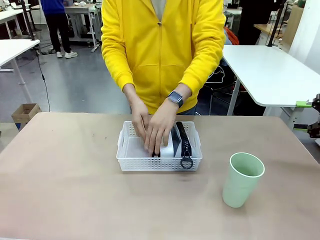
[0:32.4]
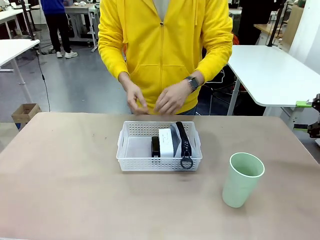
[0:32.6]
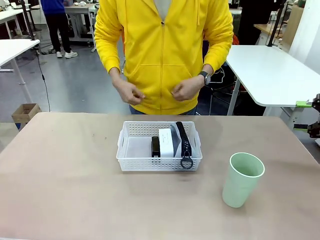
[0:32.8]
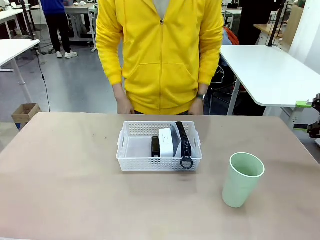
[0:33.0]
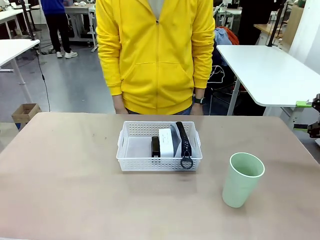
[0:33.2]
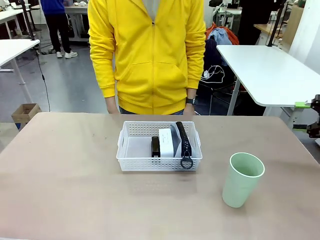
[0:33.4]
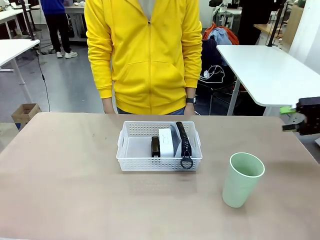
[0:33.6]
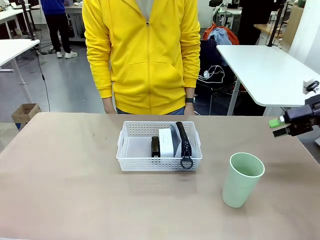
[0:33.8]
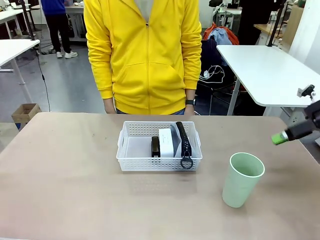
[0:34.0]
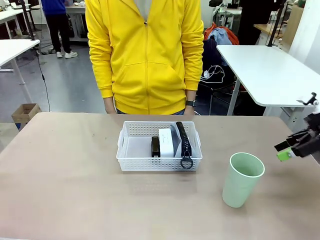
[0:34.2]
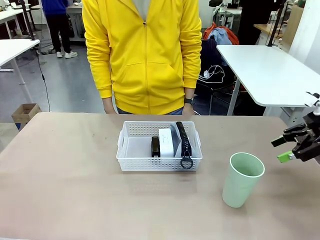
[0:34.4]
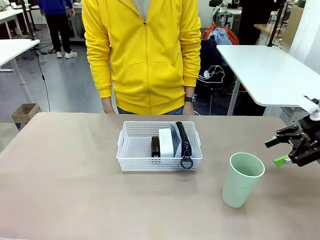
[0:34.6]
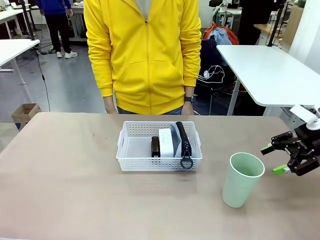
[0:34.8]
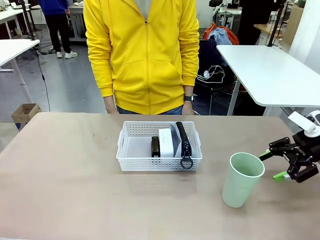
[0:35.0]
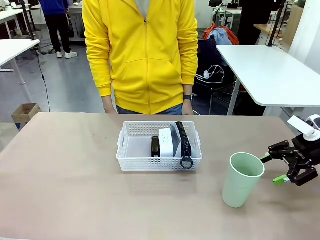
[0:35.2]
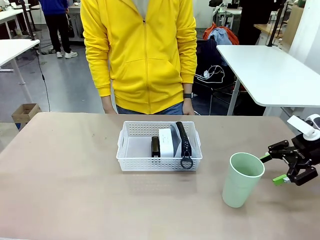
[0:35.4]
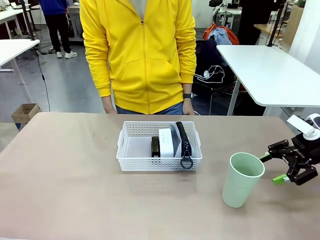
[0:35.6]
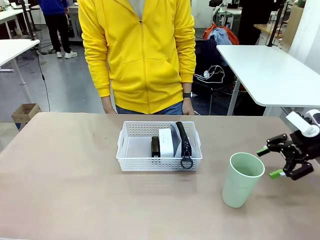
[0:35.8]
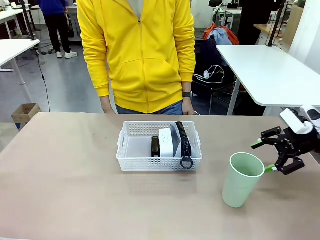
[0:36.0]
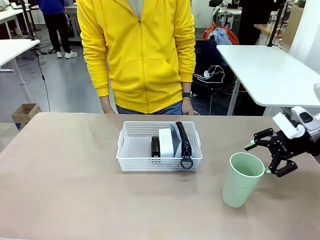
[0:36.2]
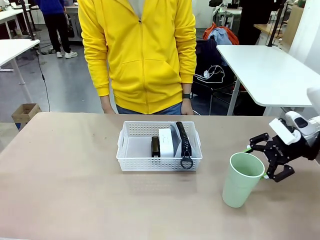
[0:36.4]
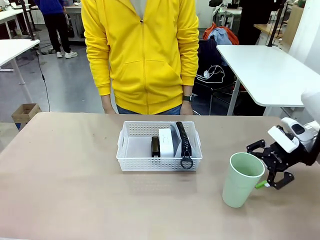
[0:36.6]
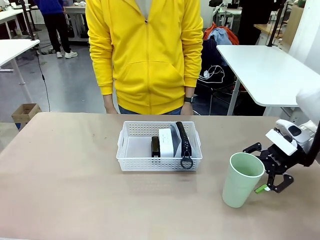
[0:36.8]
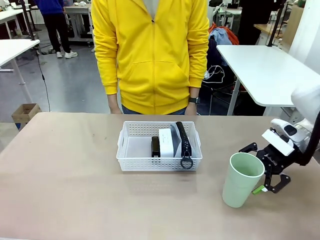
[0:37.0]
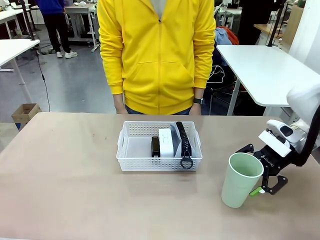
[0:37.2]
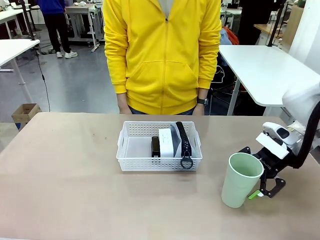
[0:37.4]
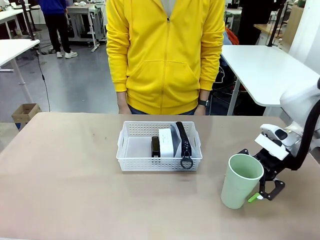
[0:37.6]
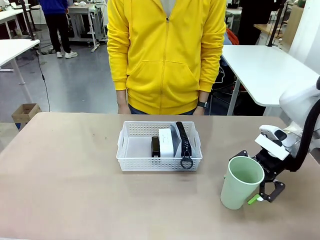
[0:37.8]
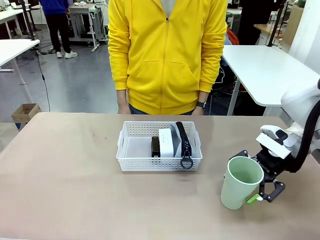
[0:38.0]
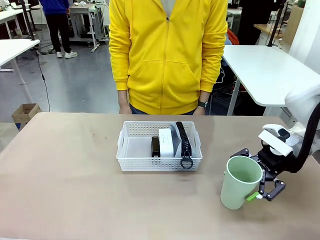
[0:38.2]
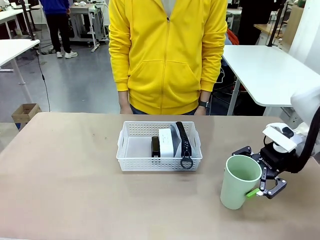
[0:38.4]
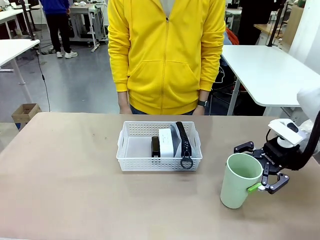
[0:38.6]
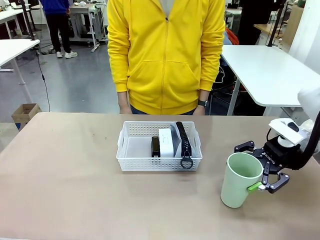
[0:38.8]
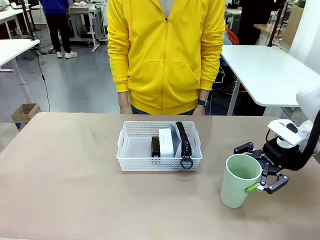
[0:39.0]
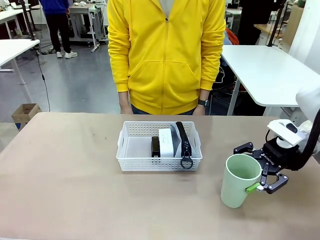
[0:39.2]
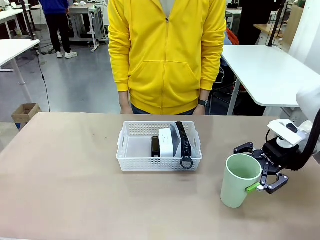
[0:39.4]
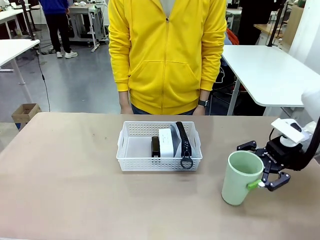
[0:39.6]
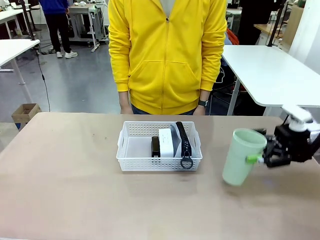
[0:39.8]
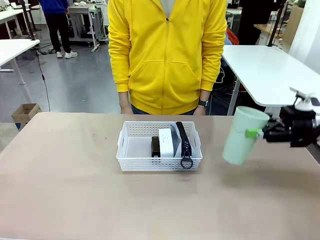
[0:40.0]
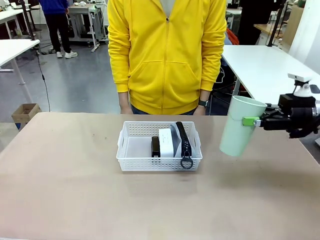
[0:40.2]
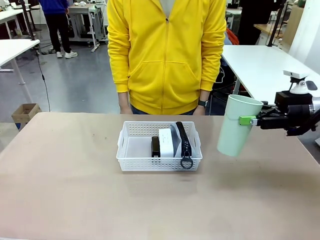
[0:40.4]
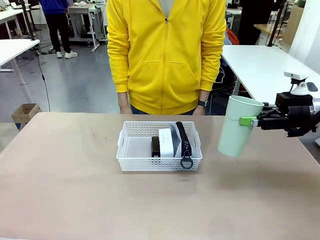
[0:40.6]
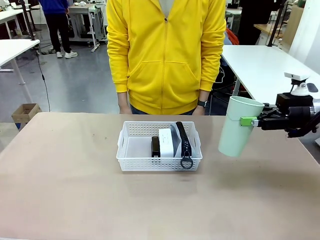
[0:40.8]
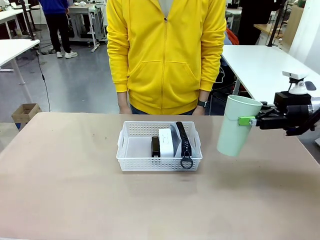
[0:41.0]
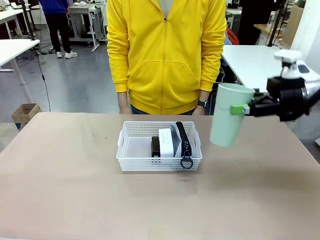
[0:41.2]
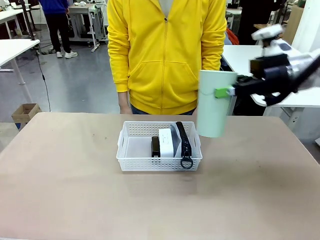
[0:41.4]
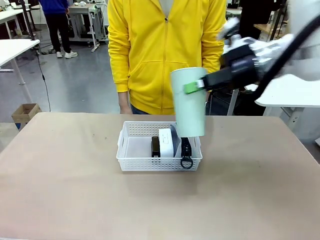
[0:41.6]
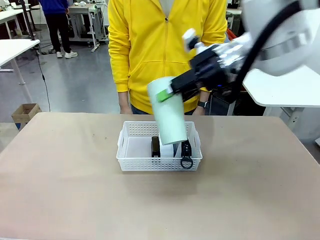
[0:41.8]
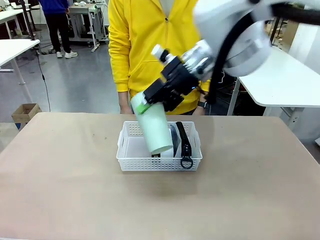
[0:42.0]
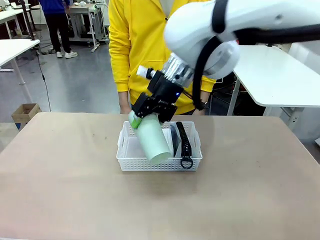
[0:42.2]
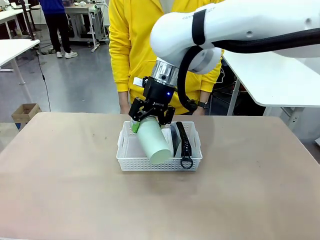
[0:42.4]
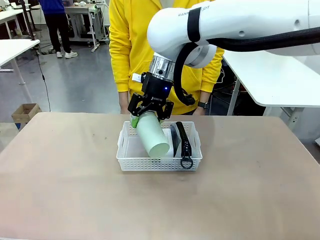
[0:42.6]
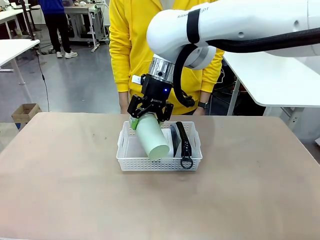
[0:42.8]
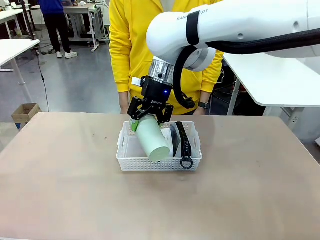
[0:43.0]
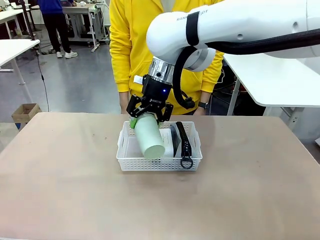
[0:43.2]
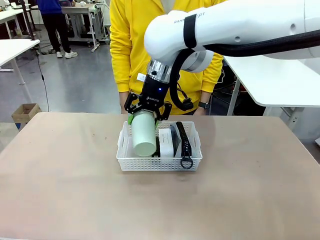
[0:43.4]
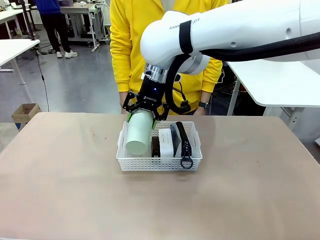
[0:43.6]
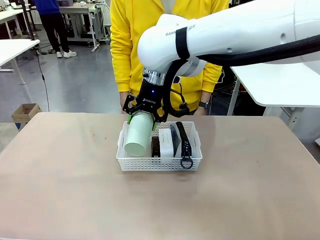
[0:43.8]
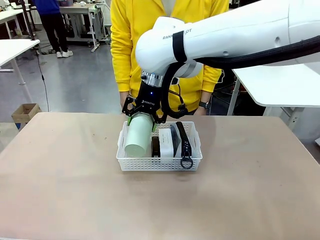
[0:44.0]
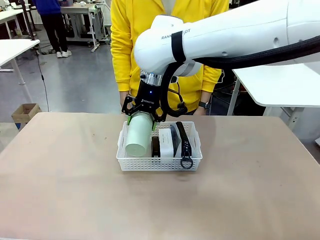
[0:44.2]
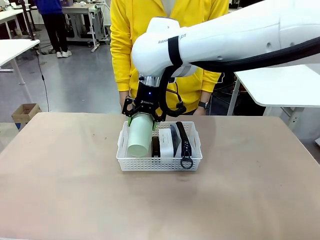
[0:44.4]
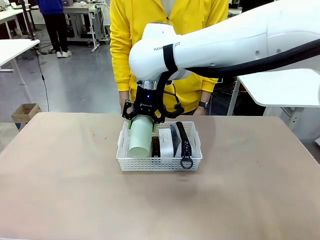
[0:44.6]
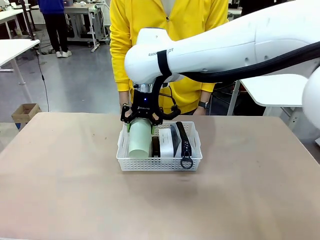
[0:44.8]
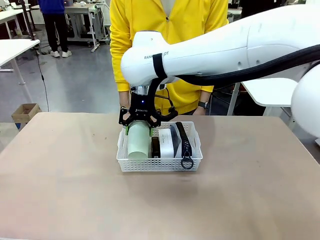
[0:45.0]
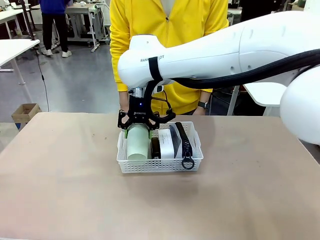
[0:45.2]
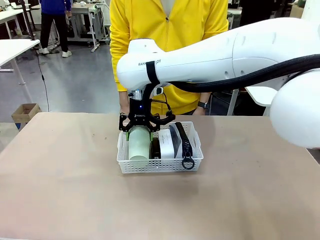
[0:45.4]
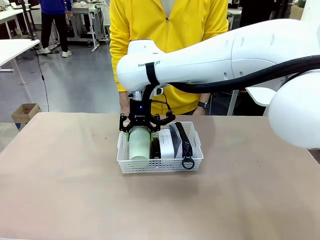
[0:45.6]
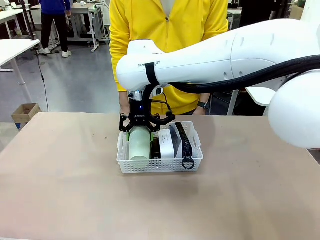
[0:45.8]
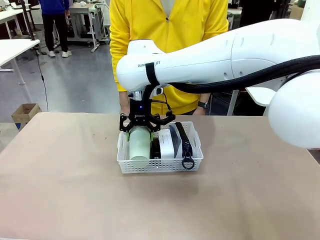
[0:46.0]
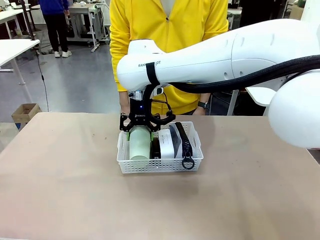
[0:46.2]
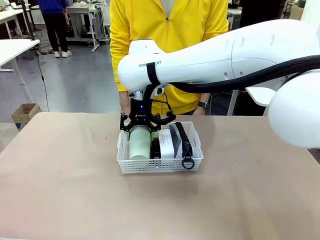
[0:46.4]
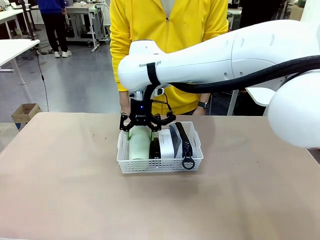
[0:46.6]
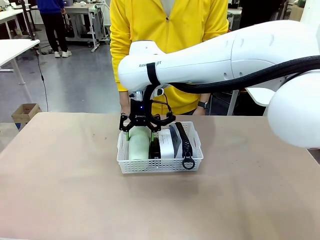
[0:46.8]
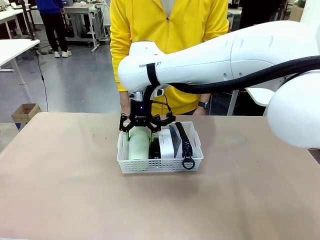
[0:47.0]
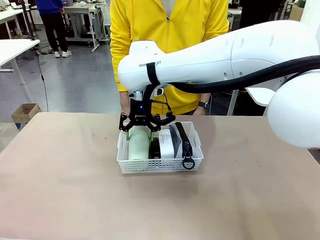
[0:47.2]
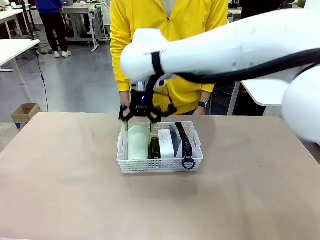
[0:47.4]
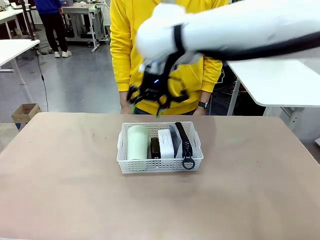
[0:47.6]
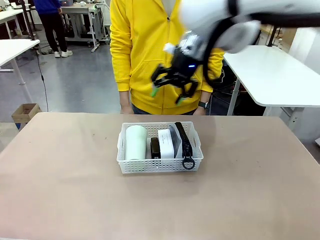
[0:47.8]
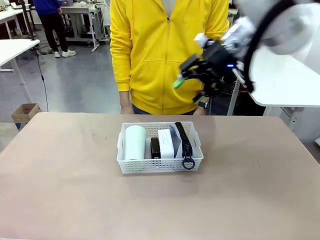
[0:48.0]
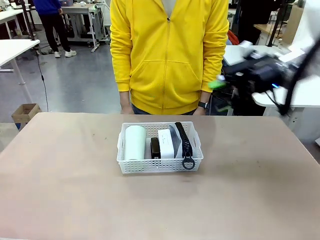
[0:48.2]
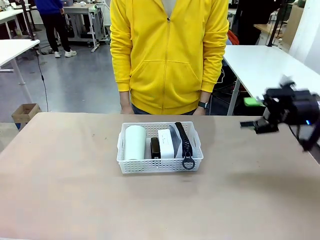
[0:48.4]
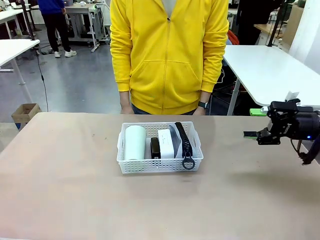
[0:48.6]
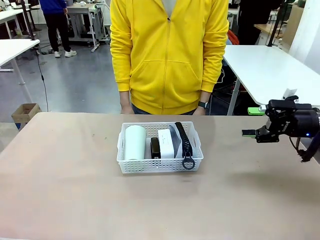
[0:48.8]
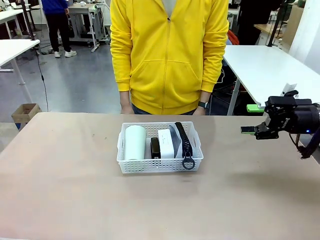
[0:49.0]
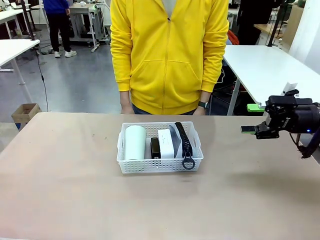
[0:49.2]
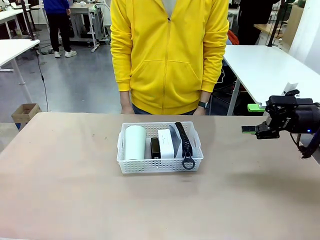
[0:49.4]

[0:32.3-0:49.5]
Task: Efficiently arrange items inside the basket to fit them all.
Robot: Pick up the Reusable plastic cup and place it inside the Organizing basket.
Person: Repositions the stapler.
